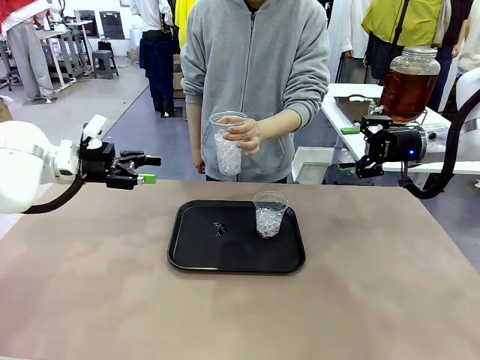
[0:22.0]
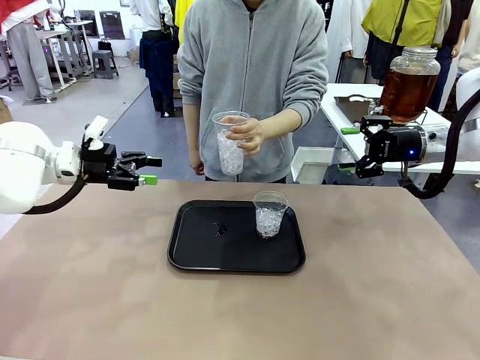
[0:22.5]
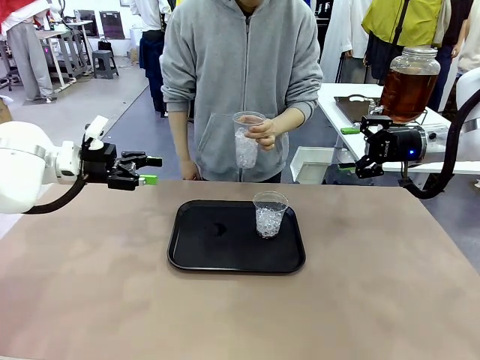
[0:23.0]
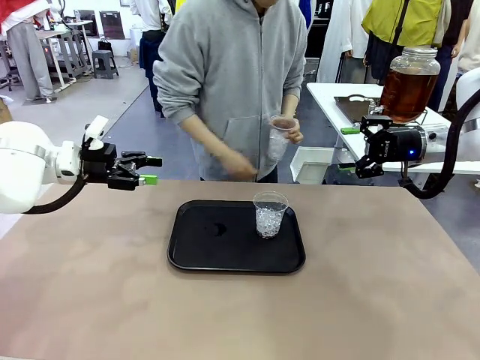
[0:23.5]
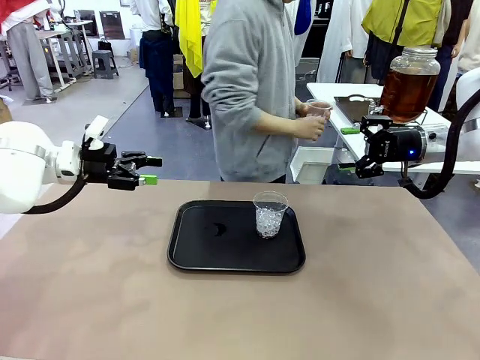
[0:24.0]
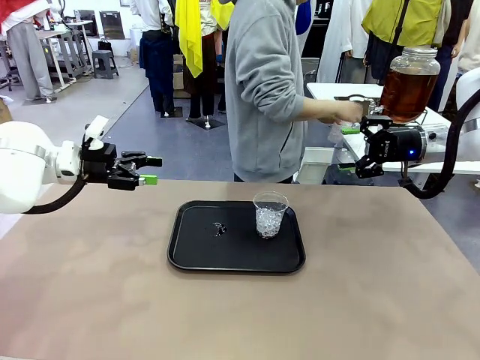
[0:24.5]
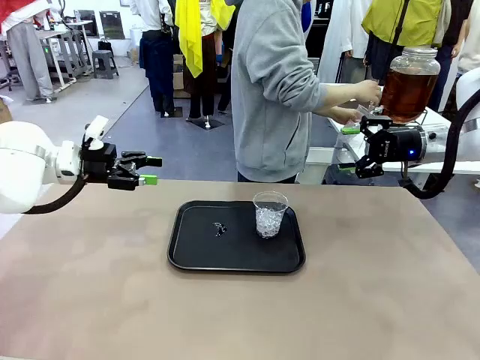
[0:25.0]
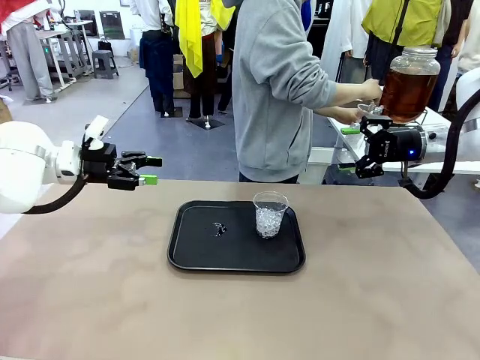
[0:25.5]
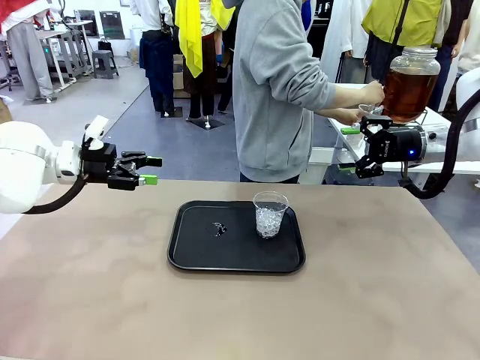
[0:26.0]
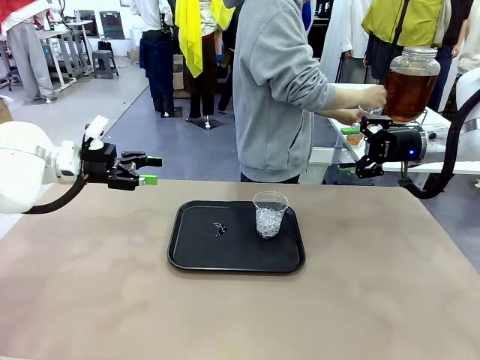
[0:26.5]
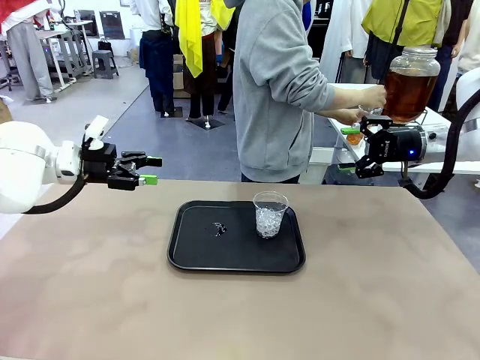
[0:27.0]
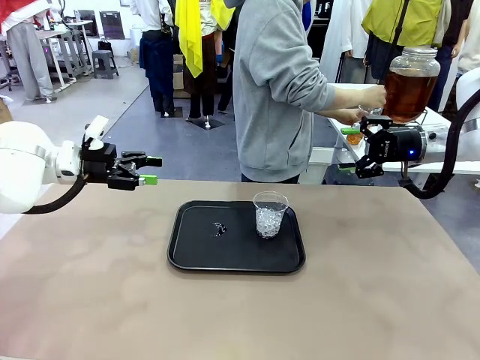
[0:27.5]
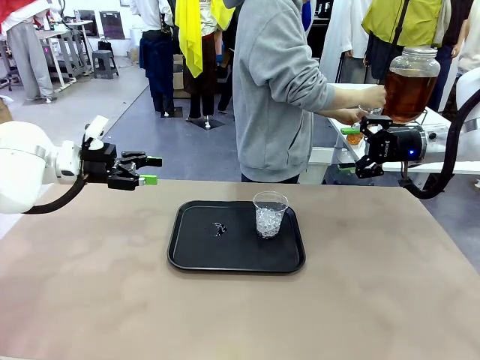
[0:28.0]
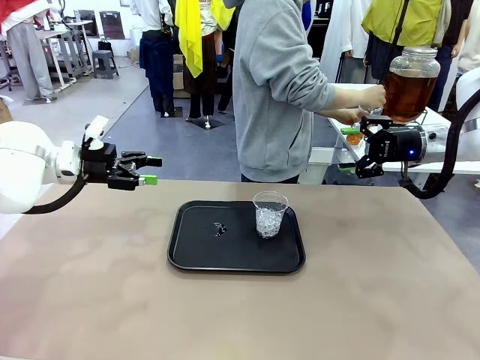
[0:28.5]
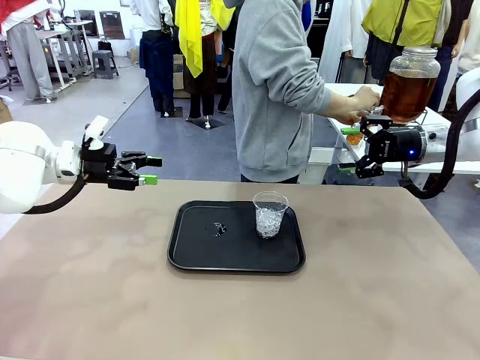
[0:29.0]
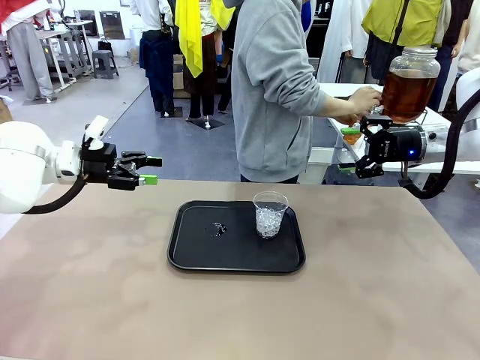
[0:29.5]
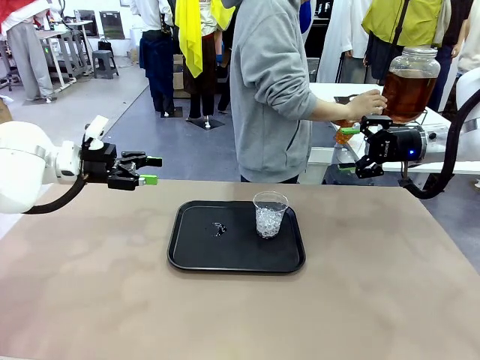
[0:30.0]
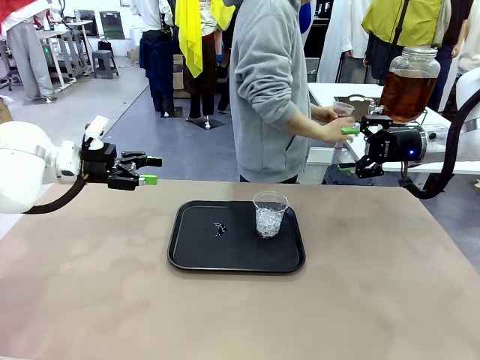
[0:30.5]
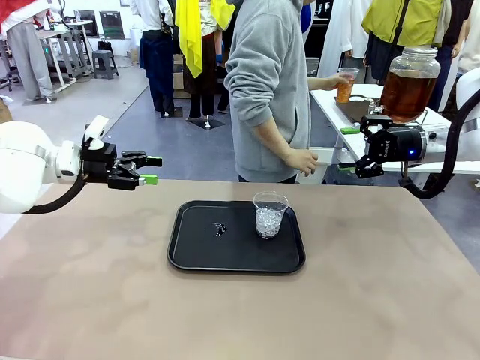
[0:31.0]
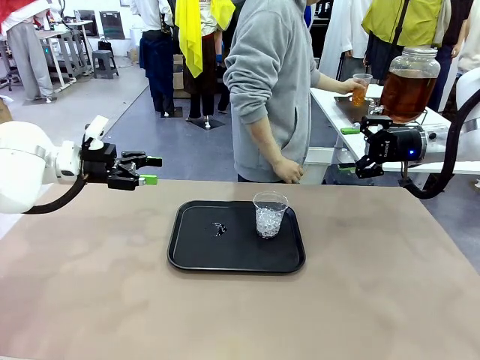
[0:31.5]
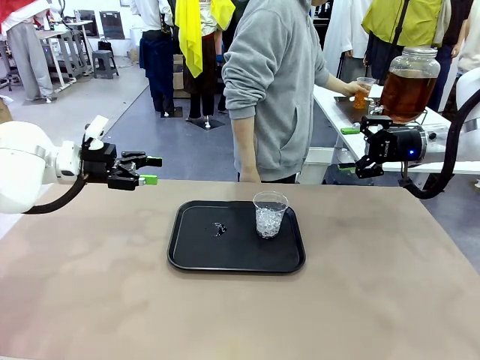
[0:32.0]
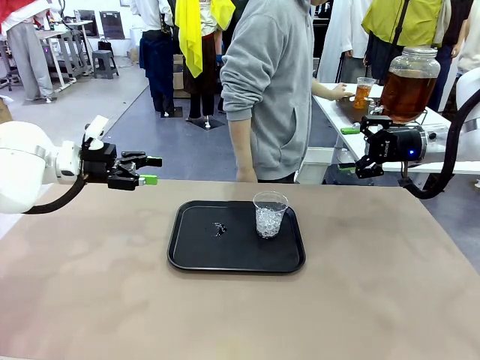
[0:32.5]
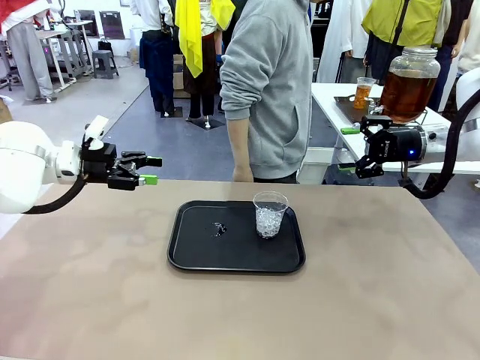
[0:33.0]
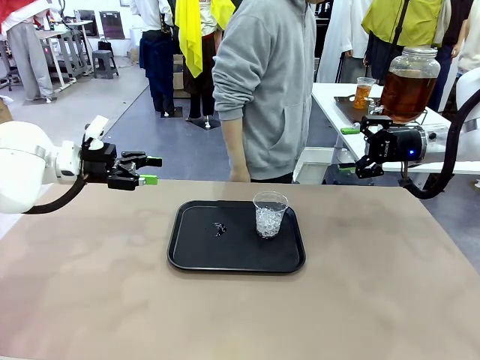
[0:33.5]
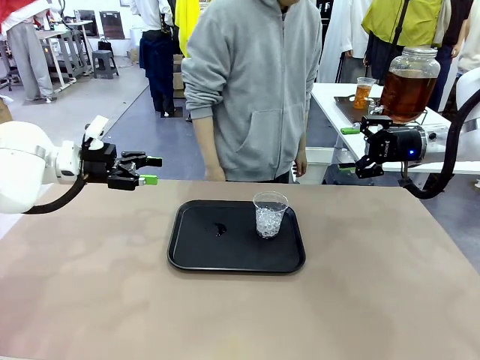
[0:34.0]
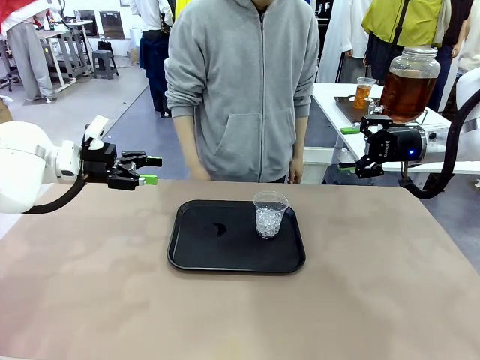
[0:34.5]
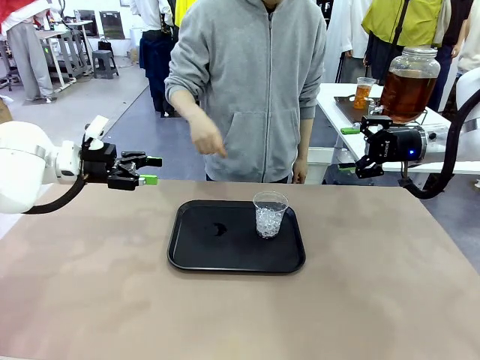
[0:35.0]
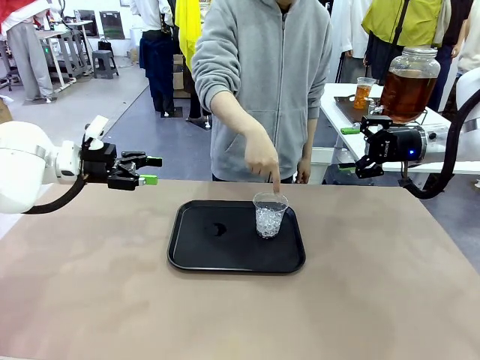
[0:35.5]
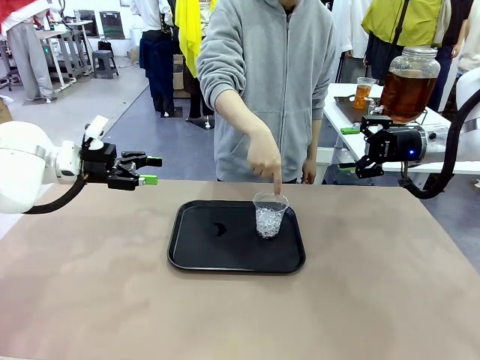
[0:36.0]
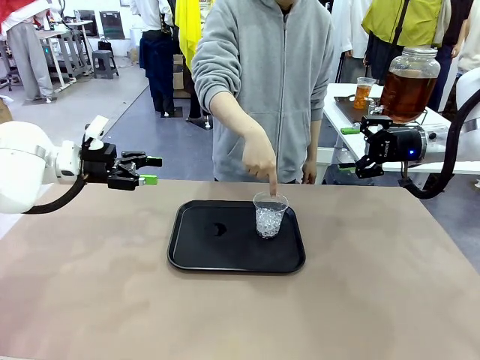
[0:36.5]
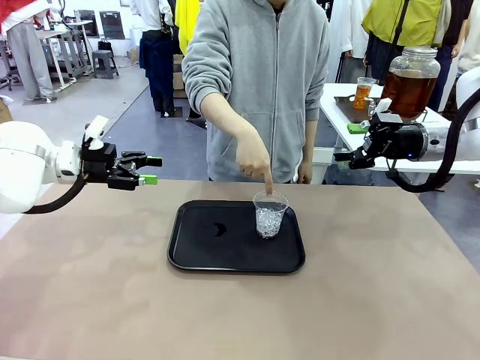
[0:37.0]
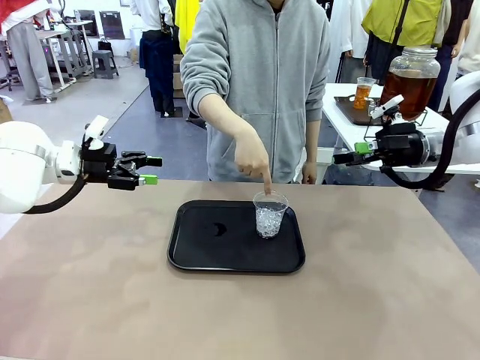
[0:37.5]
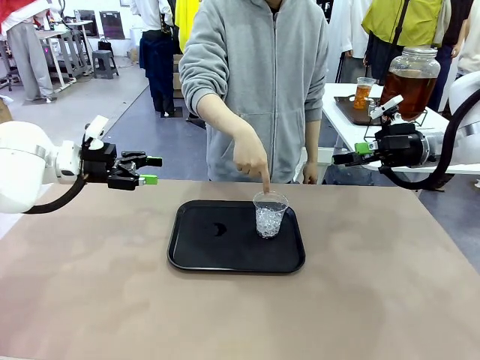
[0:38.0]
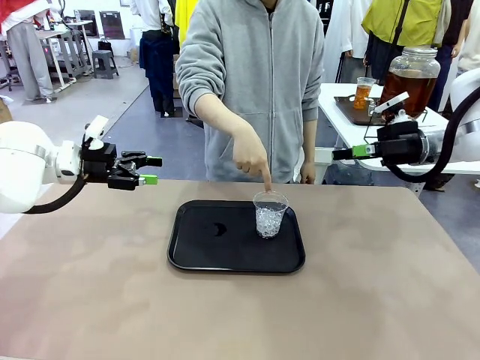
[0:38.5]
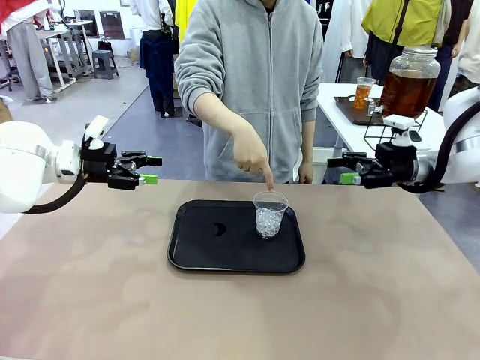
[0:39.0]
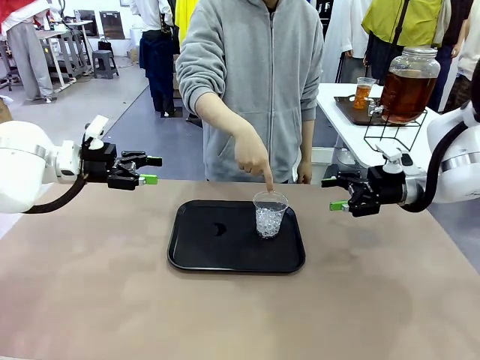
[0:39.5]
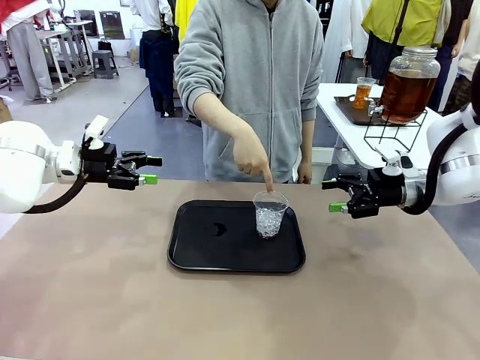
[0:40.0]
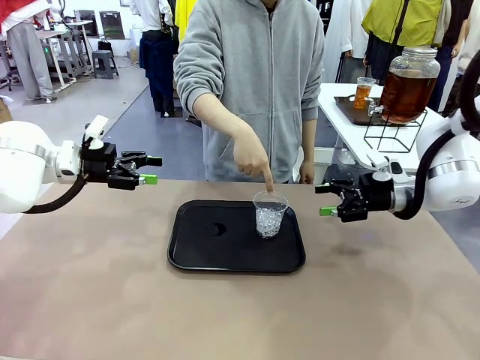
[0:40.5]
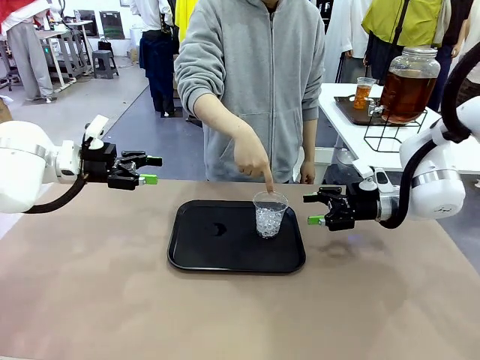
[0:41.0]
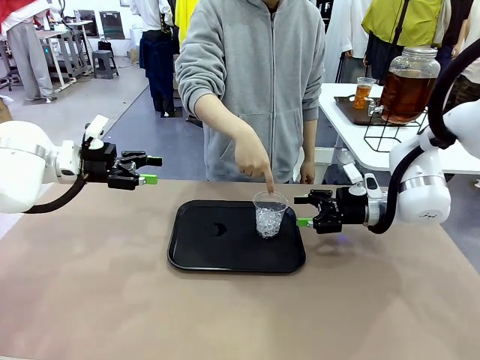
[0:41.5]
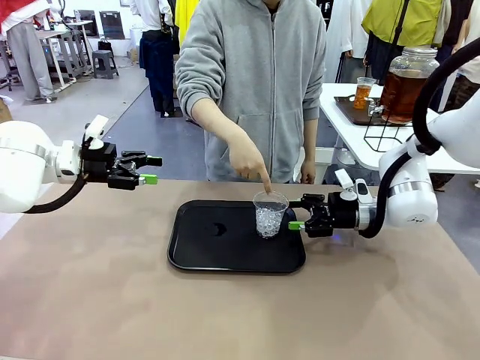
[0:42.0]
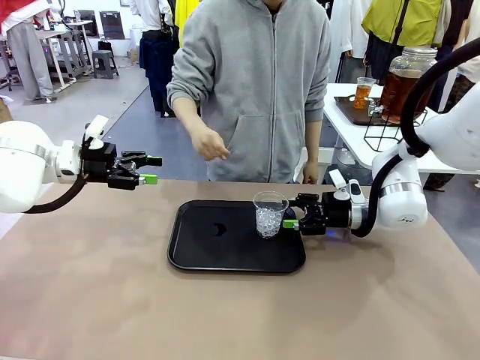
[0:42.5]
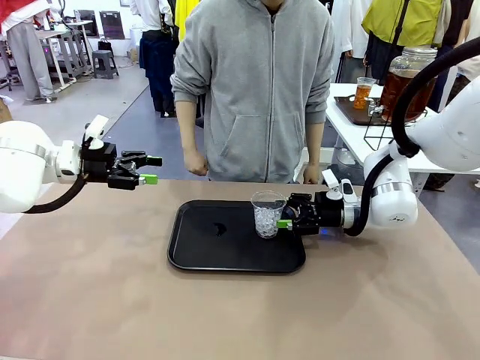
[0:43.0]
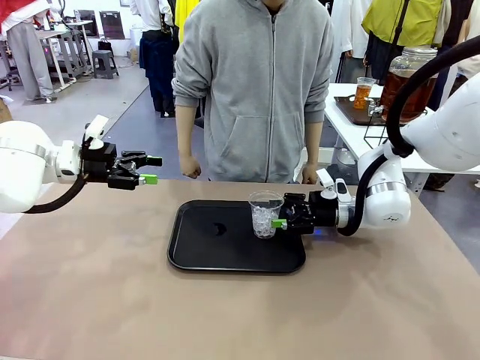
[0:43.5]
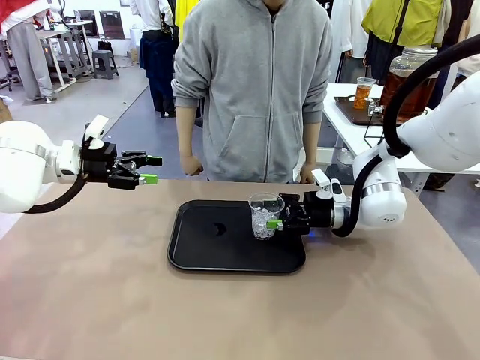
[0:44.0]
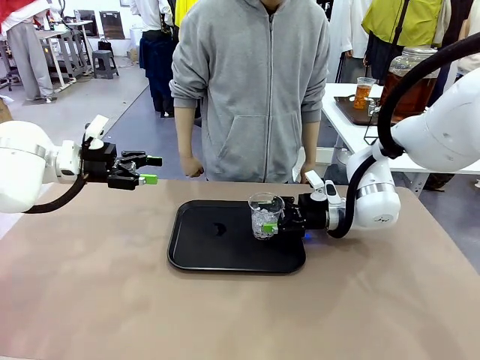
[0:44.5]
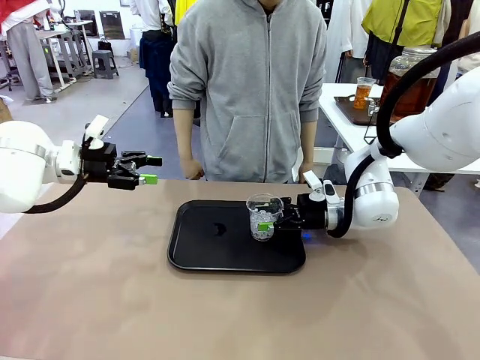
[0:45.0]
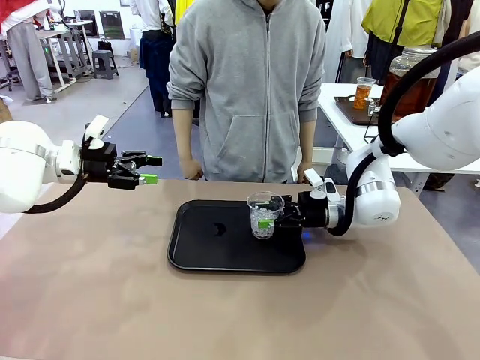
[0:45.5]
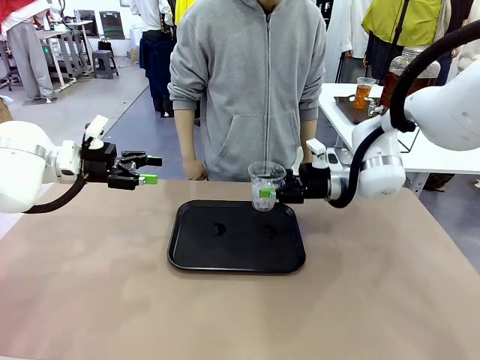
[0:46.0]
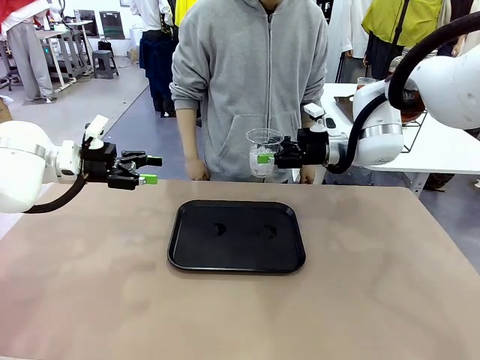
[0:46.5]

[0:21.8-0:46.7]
Task: Pour the drink into the iced cup.
Robot: Pick up the iced cup indicated by the human and present it to them.
Person: Move the picked-up cup under the dispenser faucet, pour the drink, and place it on the tray on the human table. Point to the remaining ice cup on the robot table. Pick up the cup offered by the robot.
